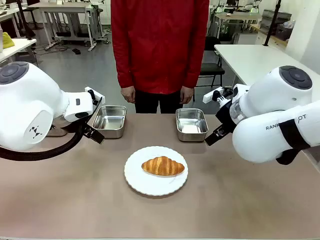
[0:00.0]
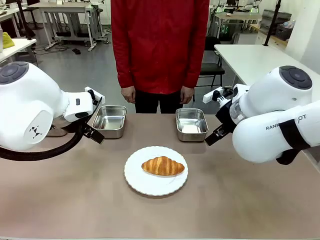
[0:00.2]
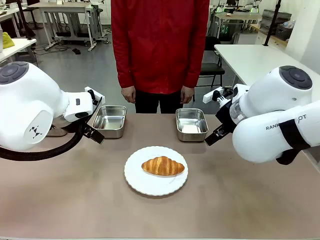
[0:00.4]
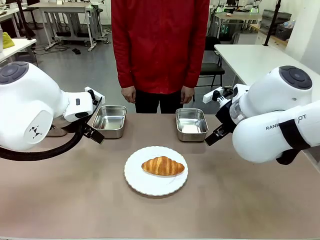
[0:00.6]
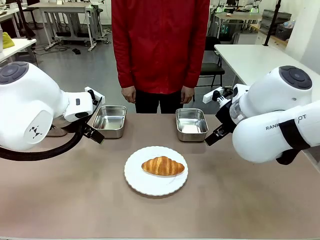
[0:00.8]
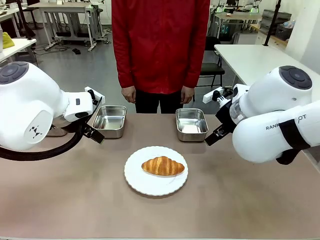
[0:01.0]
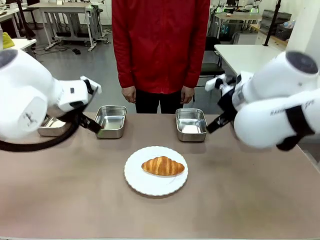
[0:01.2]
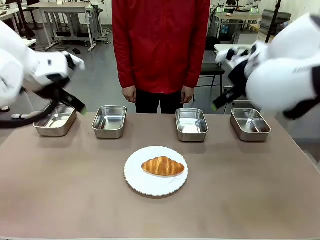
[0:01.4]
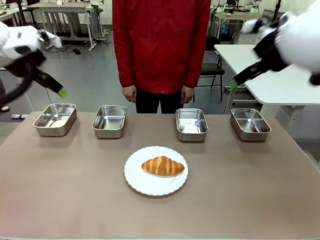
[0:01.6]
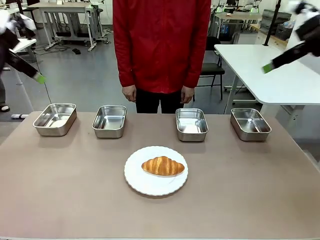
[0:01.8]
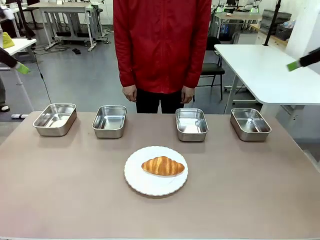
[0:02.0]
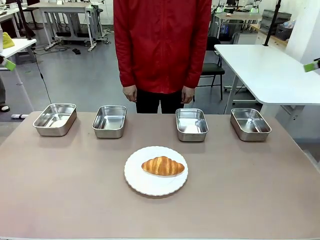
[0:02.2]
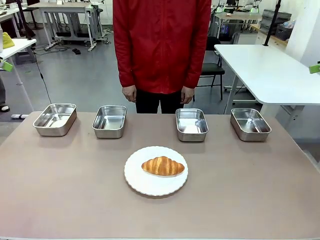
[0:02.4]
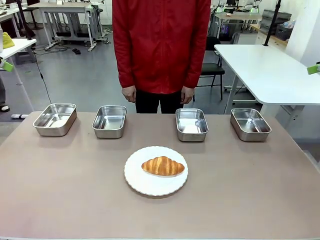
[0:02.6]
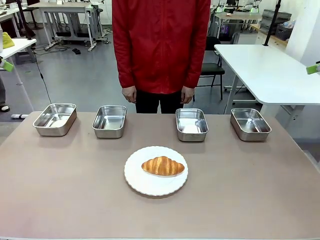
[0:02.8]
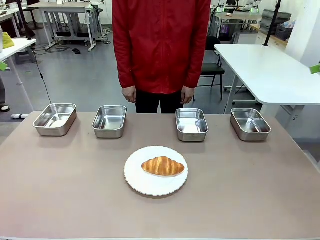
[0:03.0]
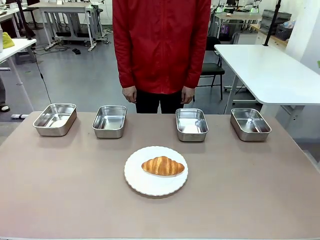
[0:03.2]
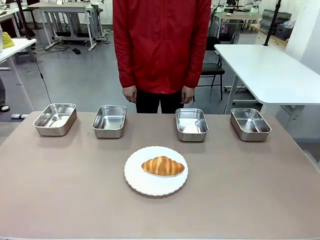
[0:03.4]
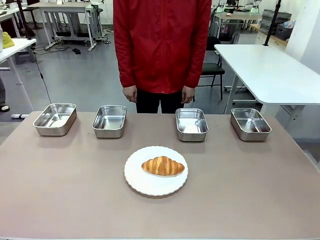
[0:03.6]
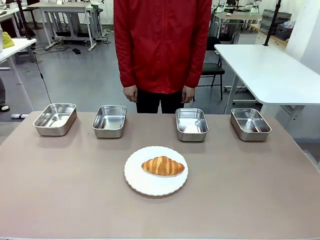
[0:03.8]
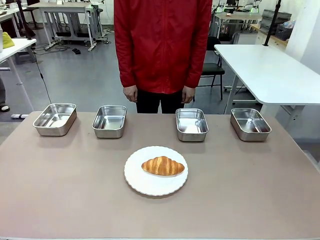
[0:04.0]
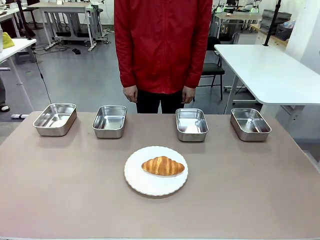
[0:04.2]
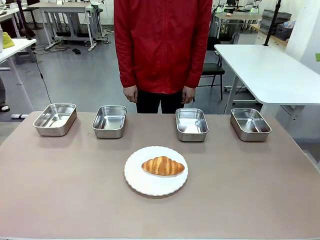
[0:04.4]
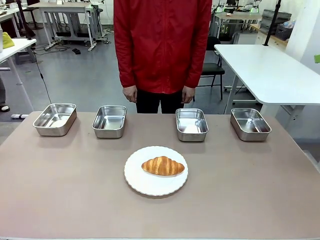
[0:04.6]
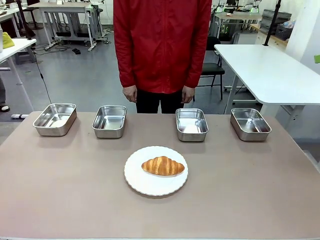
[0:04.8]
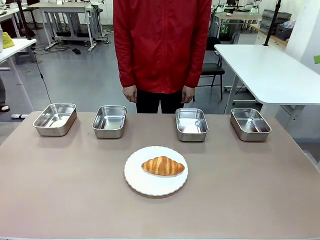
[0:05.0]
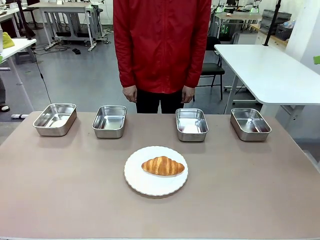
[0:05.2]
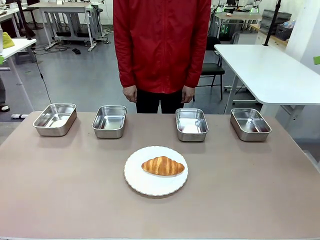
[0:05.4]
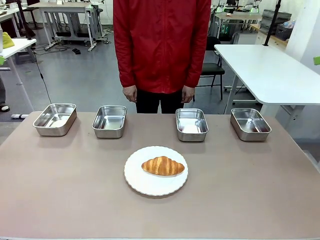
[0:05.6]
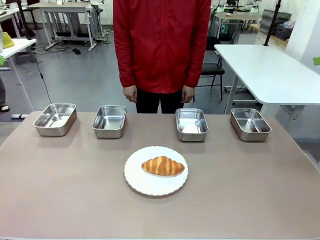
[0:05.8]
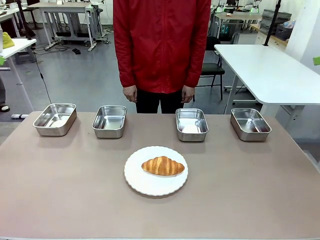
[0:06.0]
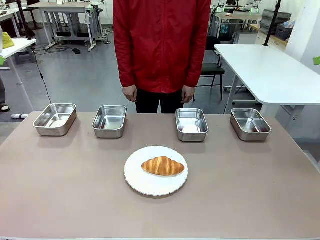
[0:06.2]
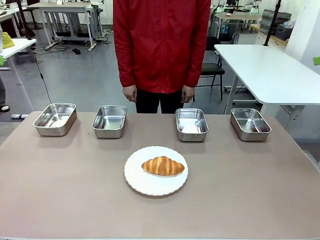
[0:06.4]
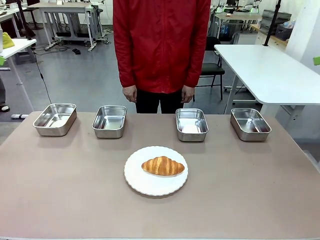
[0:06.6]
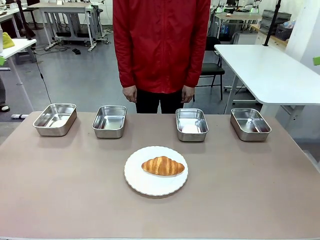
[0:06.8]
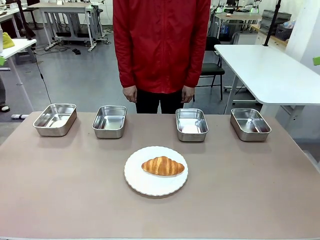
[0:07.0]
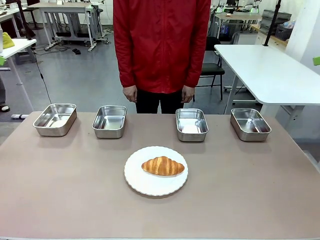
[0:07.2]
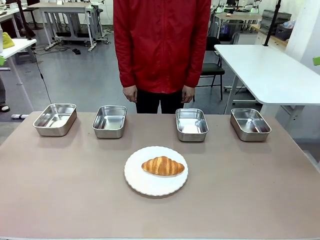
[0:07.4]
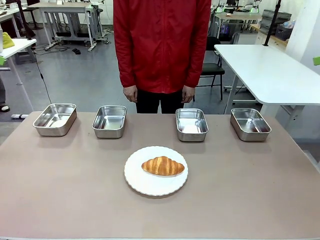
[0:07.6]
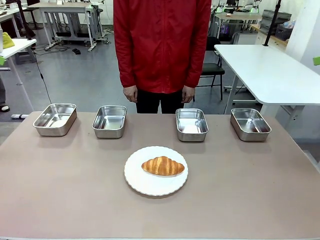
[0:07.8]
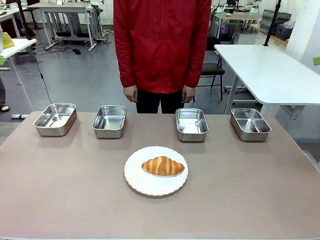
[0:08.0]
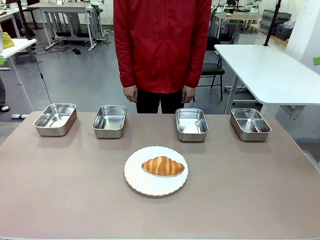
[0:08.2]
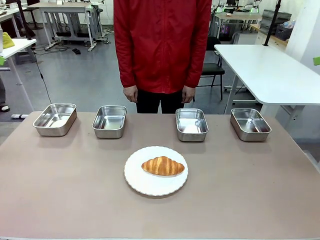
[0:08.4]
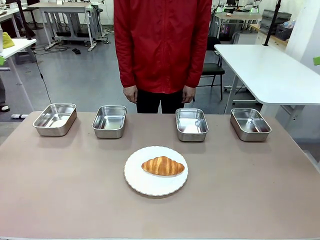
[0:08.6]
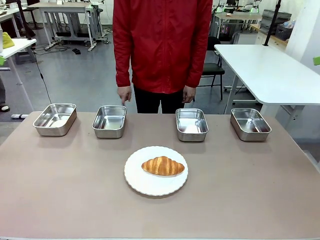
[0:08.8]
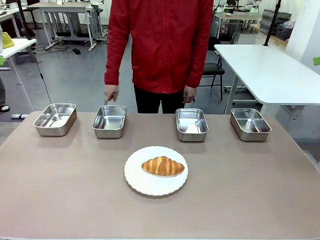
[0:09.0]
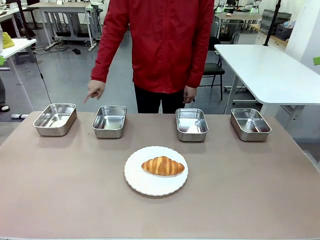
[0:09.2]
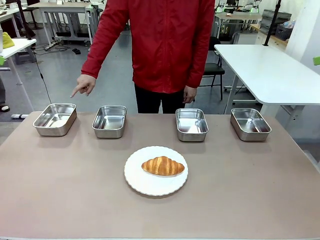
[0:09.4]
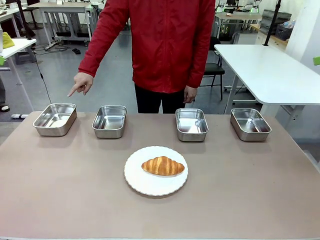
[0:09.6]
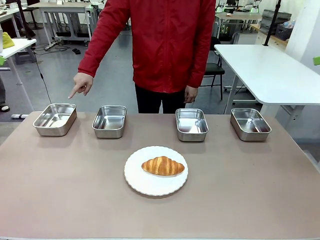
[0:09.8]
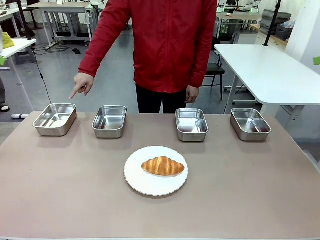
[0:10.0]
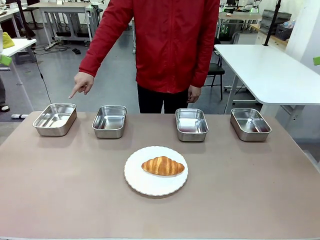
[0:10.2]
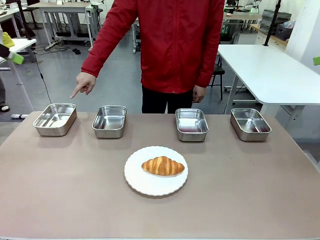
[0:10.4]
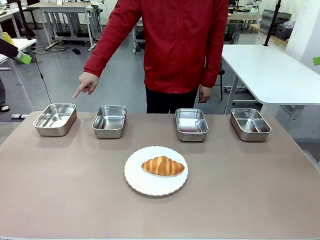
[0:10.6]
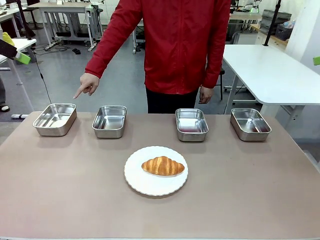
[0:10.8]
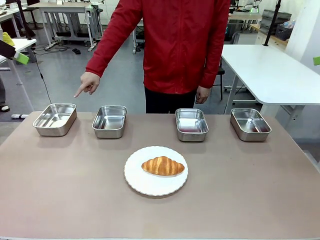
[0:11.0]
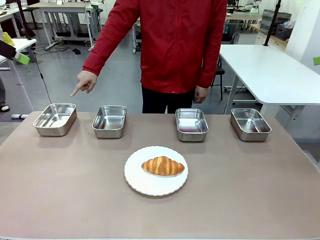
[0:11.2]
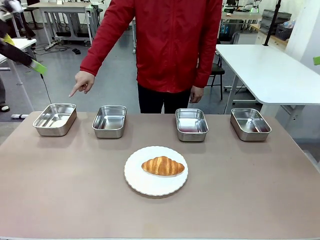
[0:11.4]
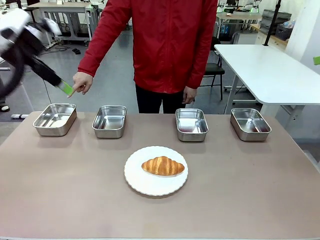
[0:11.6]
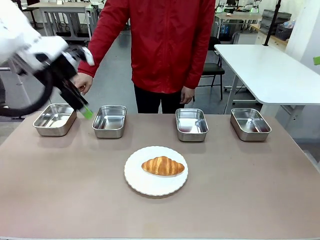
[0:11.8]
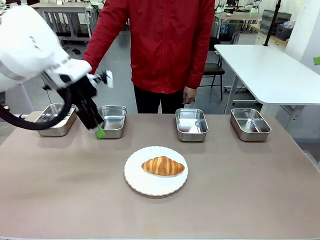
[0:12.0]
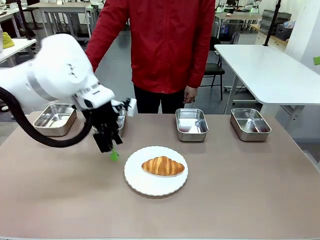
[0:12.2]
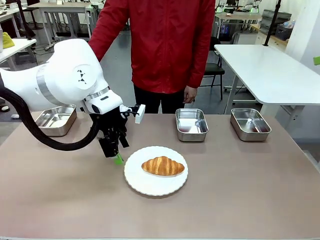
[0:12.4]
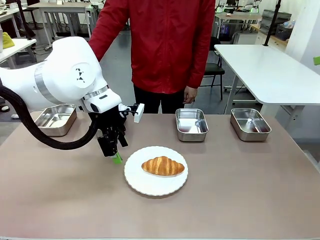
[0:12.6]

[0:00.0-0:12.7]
Task: Place the bread in the container.
Robot: Place the Butter Roll into the Airtight Container indicated by the human.

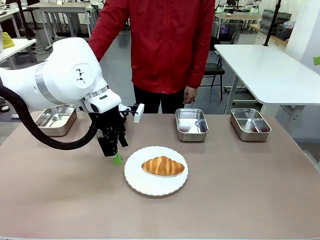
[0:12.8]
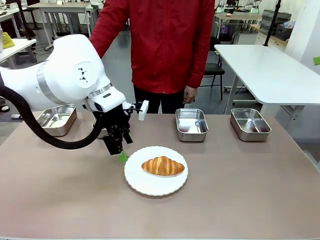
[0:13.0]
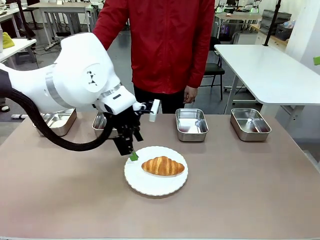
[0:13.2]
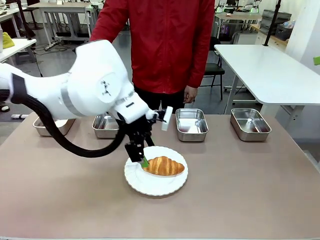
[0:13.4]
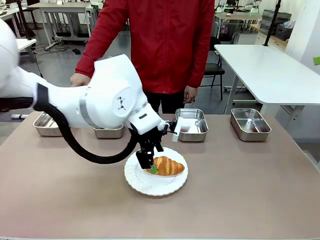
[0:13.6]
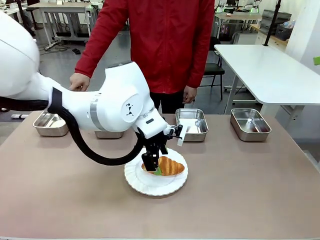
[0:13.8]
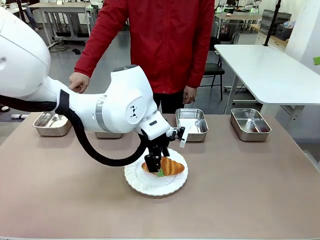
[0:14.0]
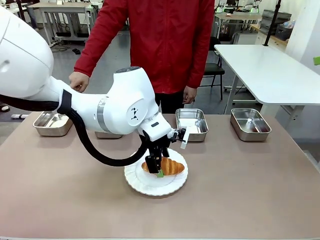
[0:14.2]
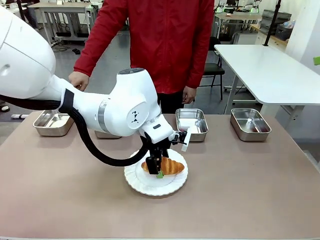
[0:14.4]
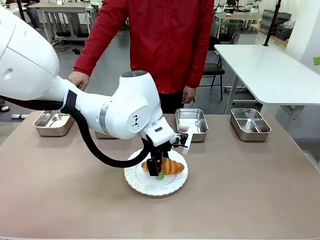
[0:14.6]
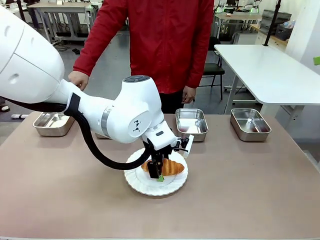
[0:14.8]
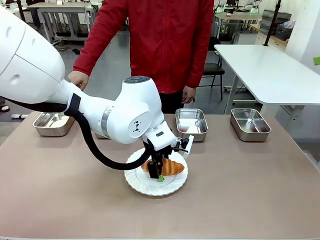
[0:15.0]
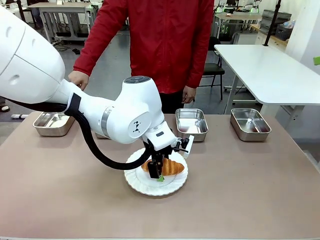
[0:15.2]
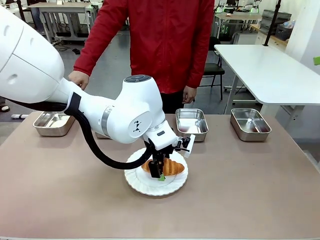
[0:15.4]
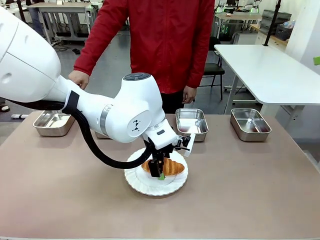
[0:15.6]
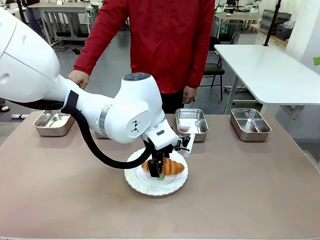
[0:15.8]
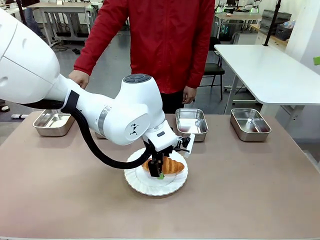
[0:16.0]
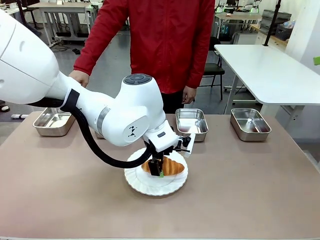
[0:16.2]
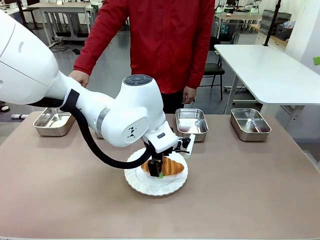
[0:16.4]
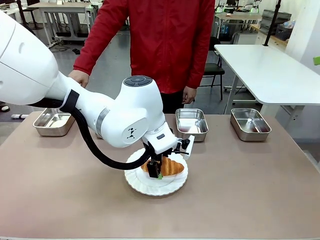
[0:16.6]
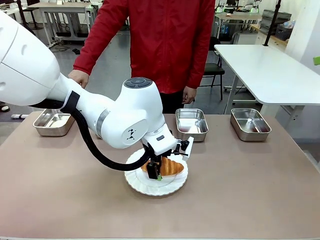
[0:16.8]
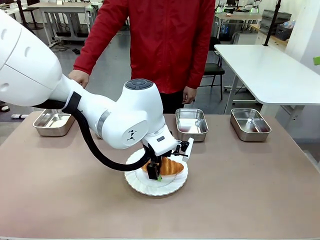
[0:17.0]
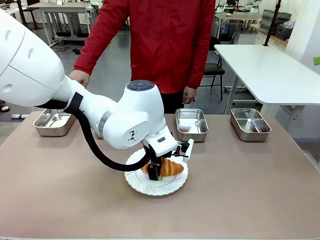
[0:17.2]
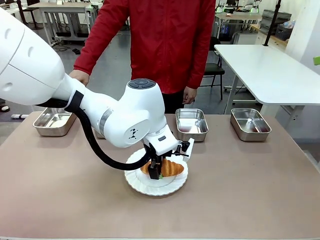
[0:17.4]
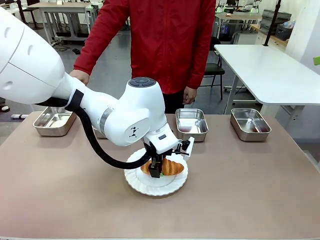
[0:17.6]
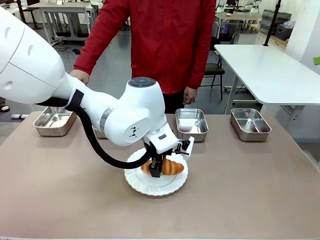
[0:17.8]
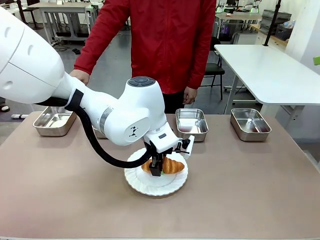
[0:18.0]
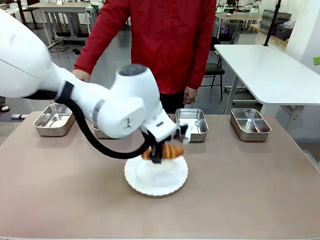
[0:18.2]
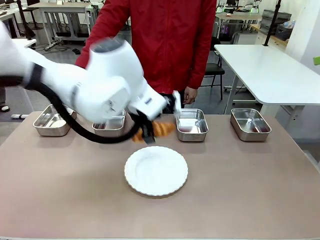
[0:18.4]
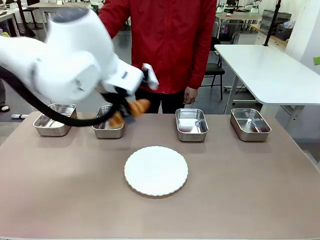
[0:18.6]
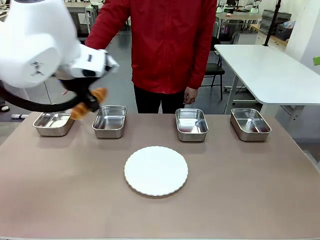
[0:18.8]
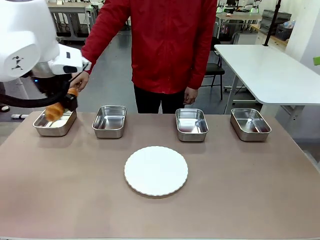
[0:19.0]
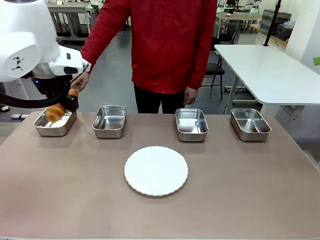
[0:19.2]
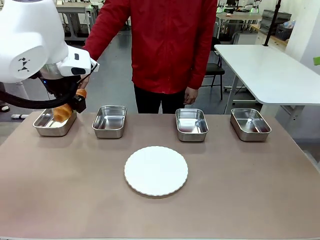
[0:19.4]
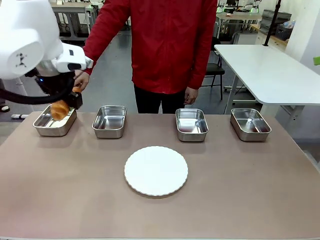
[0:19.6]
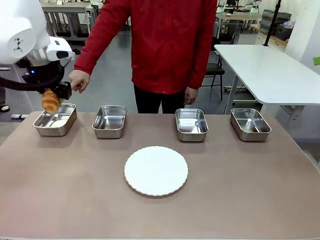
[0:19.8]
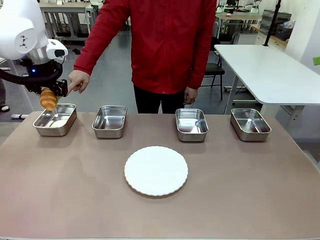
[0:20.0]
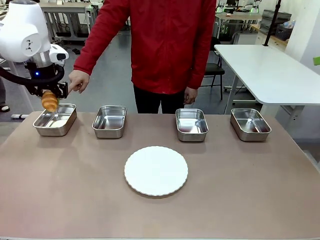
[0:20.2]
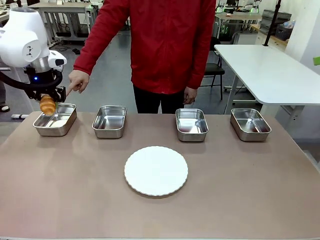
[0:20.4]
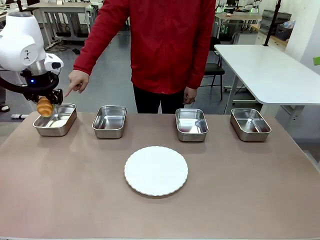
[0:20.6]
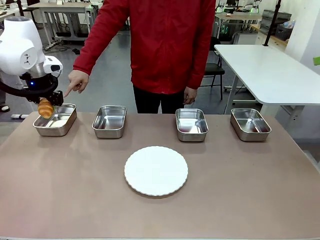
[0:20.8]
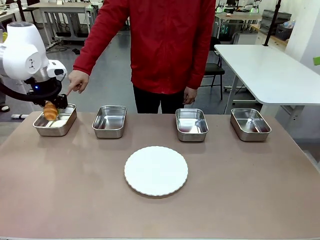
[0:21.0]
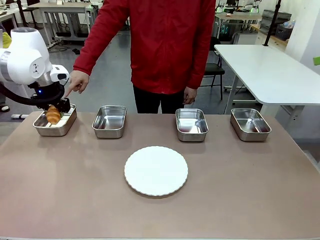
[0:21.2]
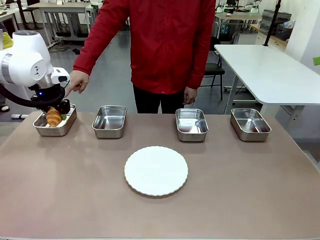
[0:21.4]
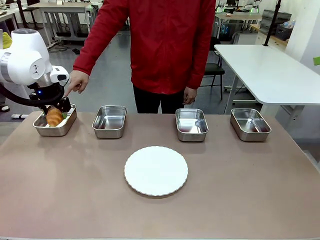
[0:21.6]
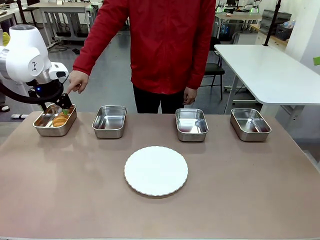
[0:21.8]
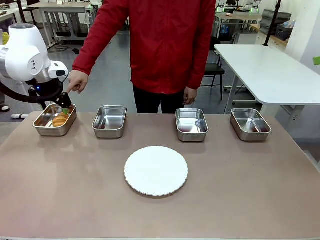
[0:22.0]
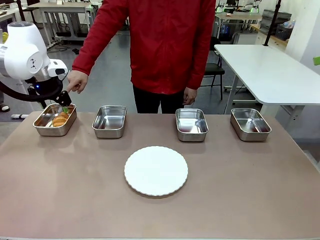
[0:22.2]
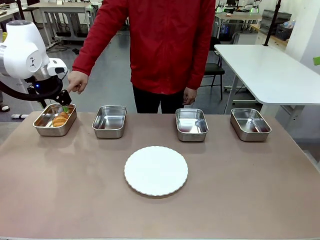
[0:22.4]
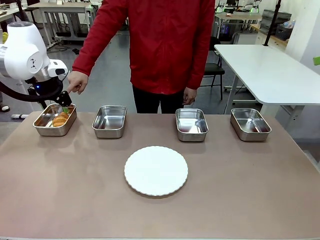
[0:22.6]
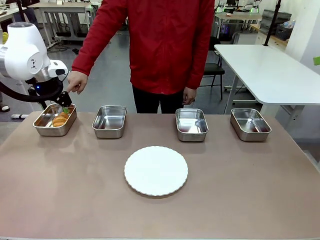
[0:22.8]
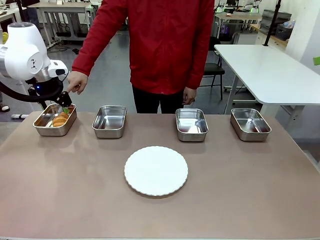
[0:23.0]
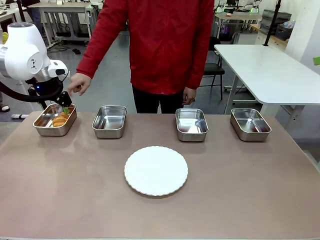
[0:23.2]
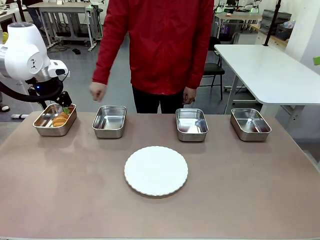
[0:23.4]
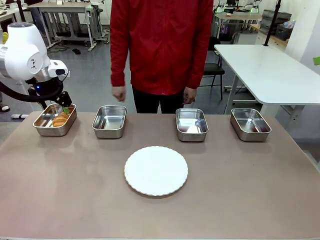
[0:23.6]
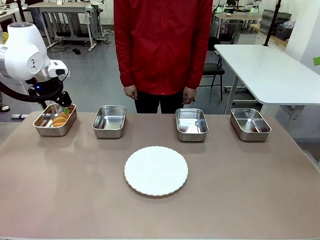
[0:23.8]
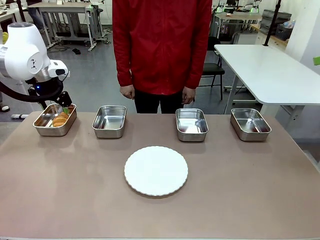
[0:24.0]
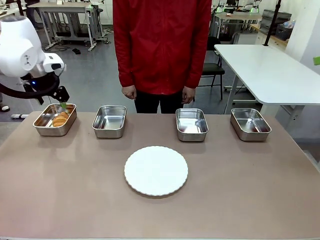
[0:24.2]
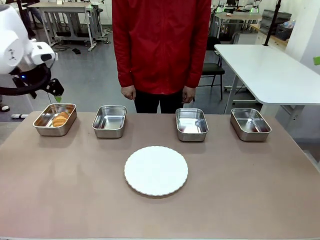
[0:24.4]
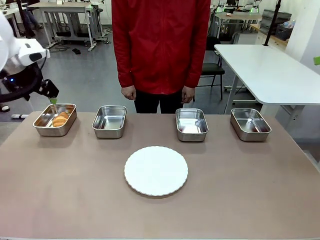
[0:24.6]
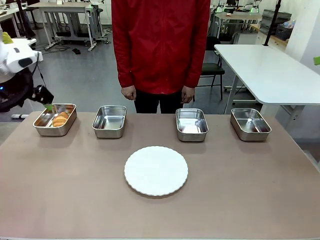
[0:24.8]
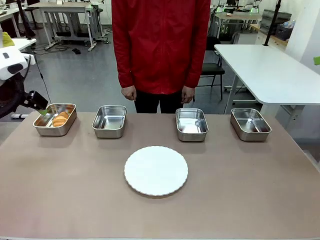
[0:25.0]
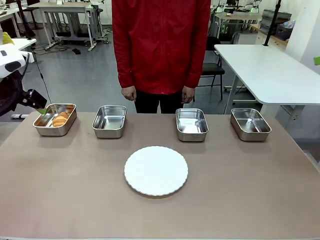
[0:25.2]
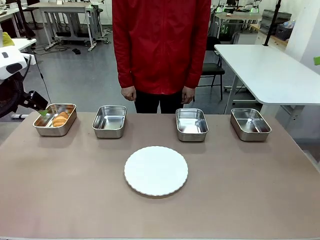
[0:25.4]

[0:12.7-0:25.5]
Robot: Place the Butter Roll into the Airtight Container indicated by the human.
Person: A person randomly selects and points to an Airtight Container.
